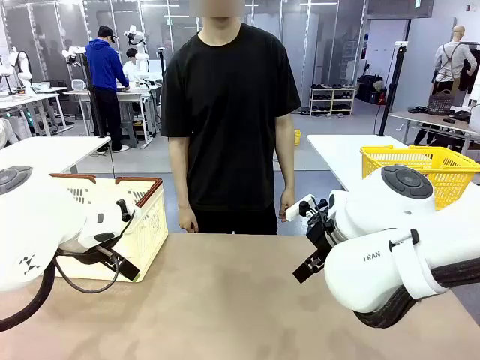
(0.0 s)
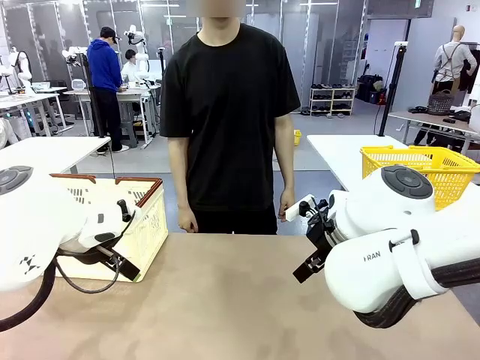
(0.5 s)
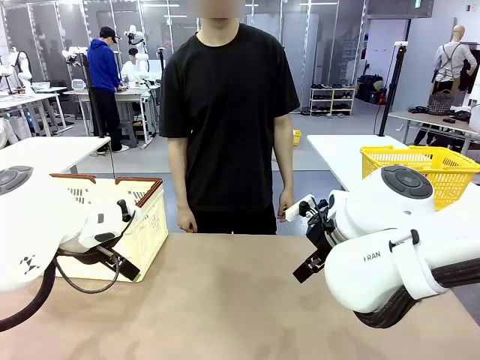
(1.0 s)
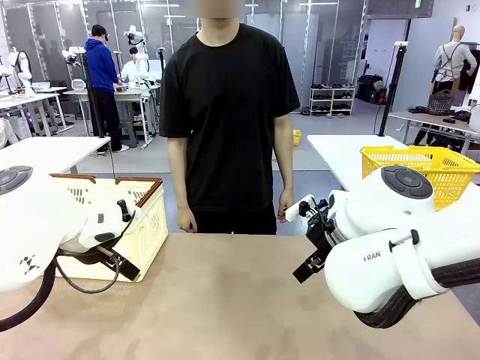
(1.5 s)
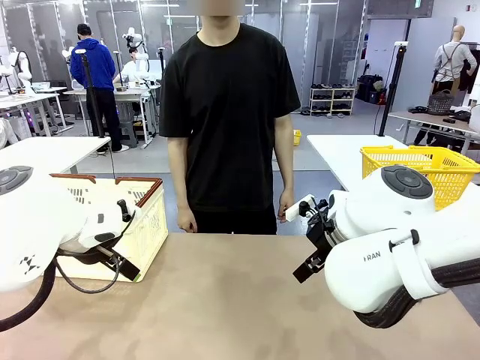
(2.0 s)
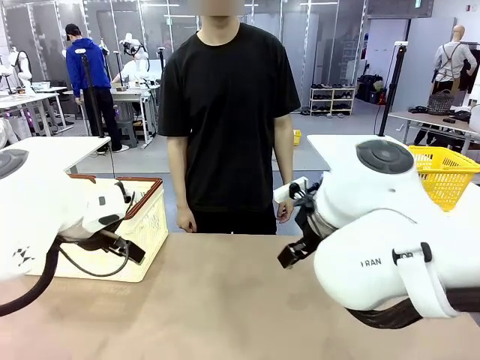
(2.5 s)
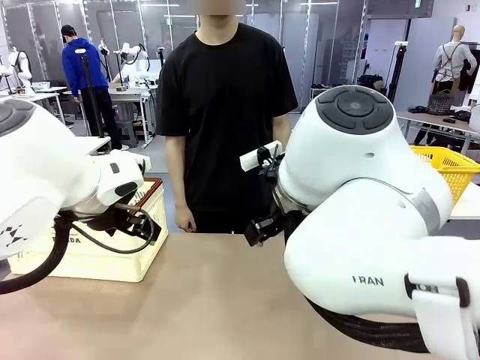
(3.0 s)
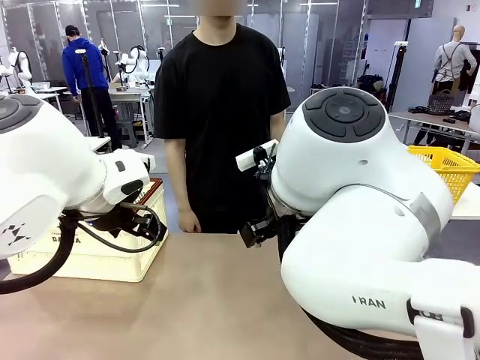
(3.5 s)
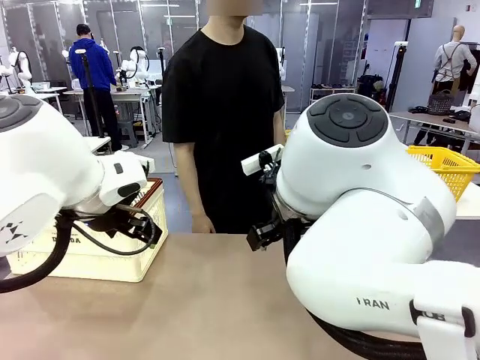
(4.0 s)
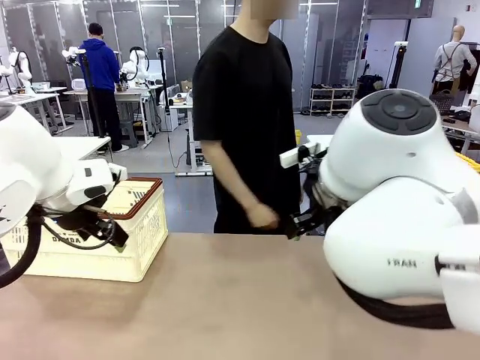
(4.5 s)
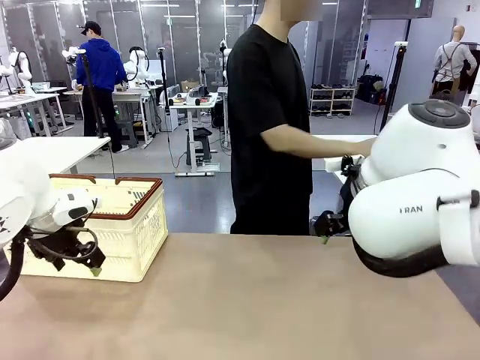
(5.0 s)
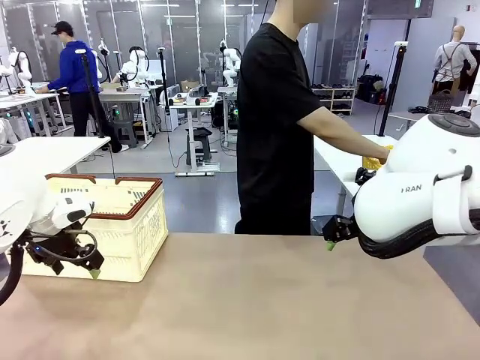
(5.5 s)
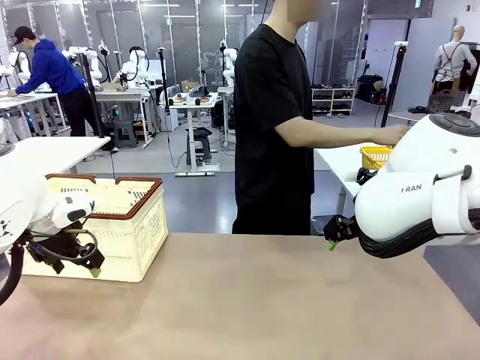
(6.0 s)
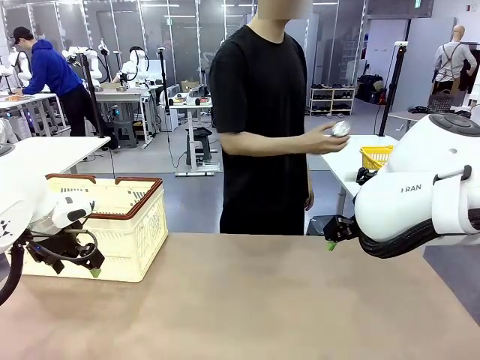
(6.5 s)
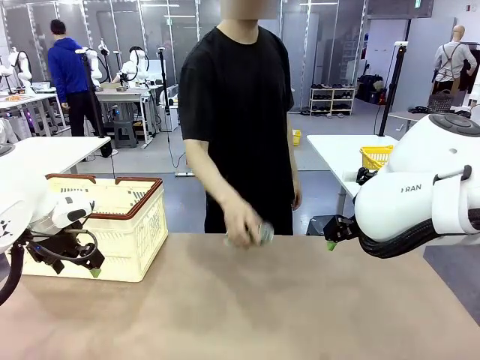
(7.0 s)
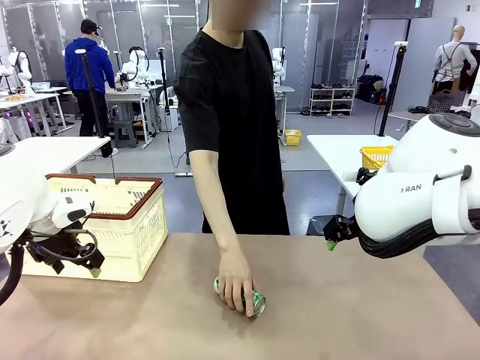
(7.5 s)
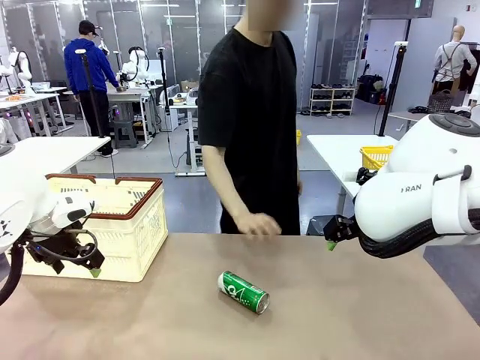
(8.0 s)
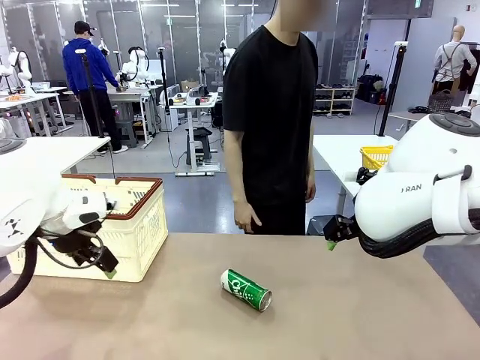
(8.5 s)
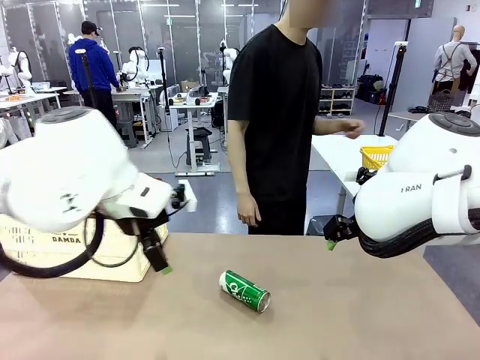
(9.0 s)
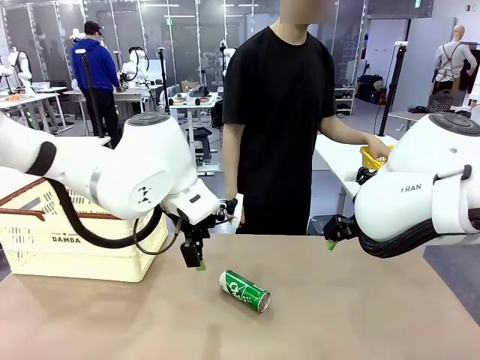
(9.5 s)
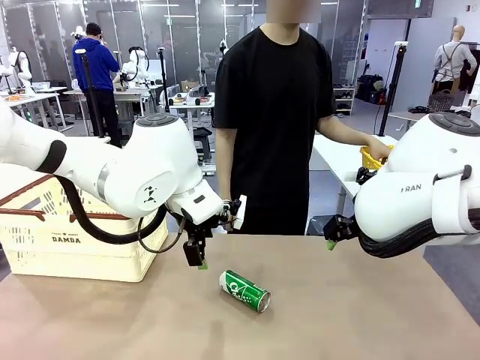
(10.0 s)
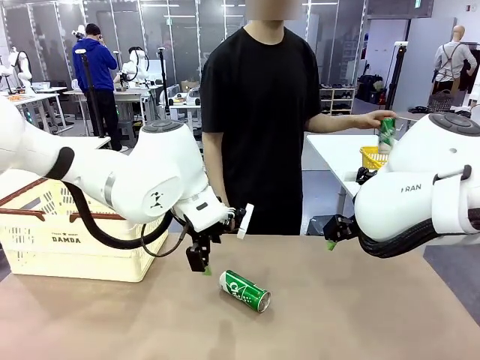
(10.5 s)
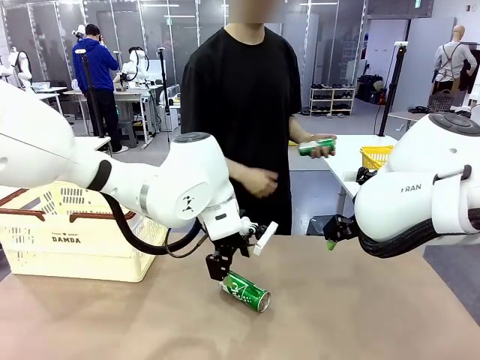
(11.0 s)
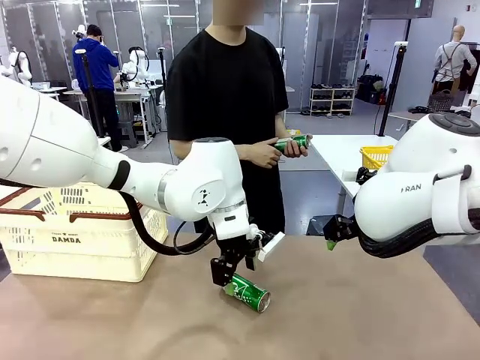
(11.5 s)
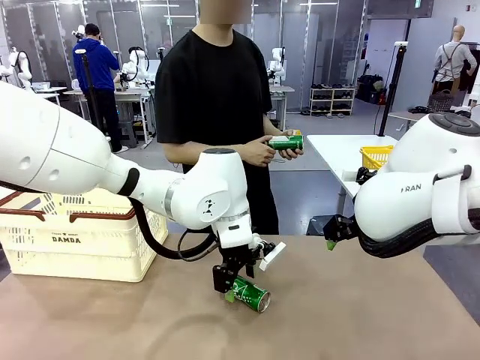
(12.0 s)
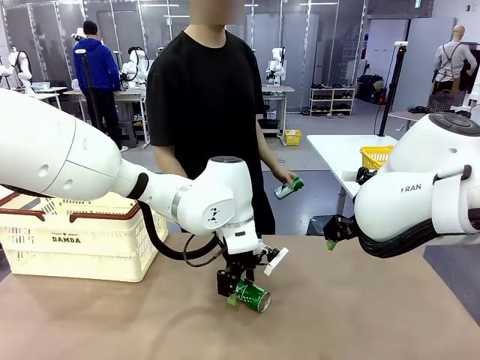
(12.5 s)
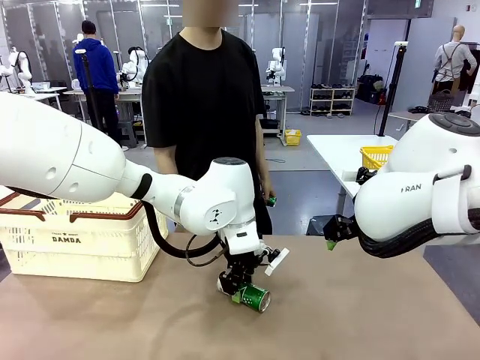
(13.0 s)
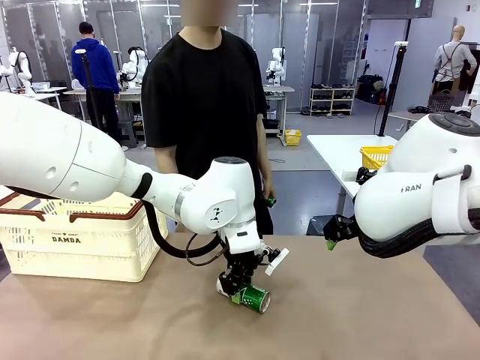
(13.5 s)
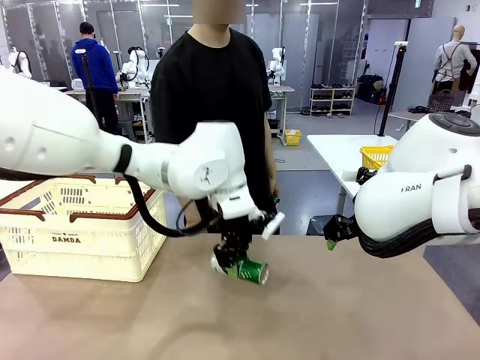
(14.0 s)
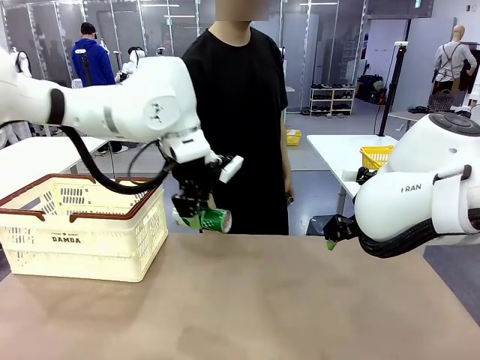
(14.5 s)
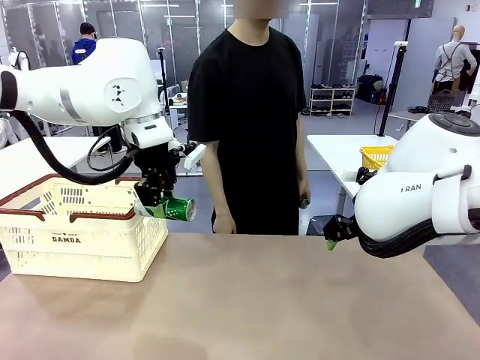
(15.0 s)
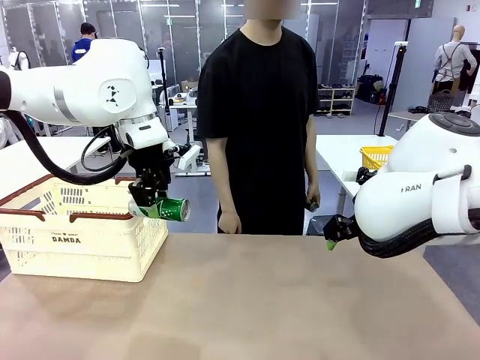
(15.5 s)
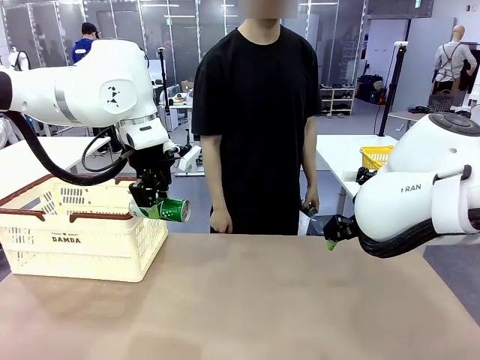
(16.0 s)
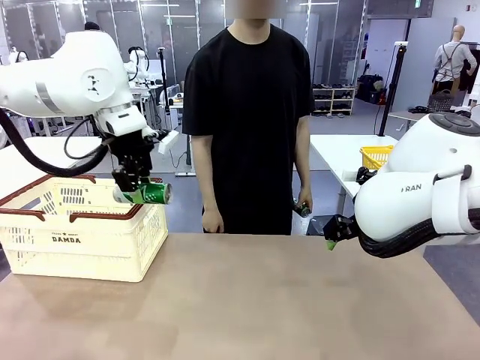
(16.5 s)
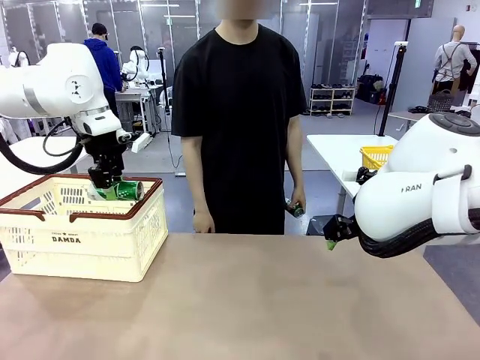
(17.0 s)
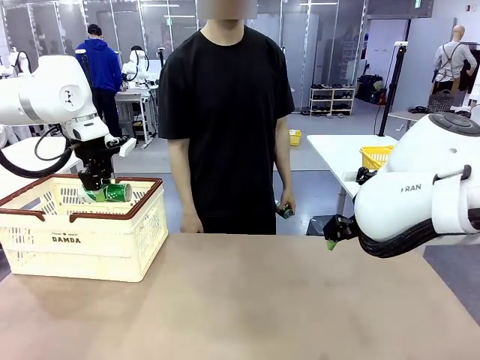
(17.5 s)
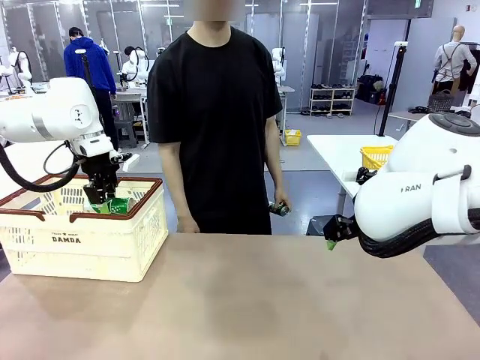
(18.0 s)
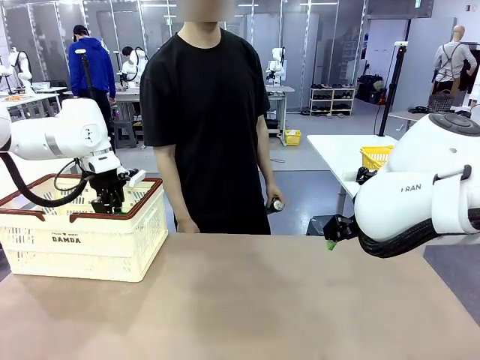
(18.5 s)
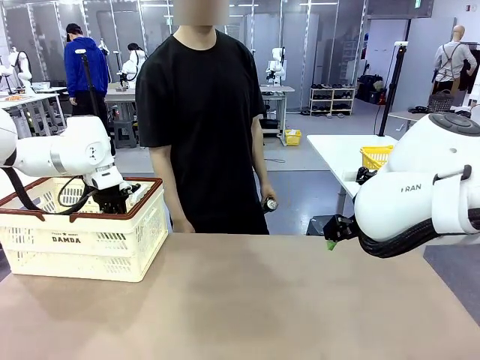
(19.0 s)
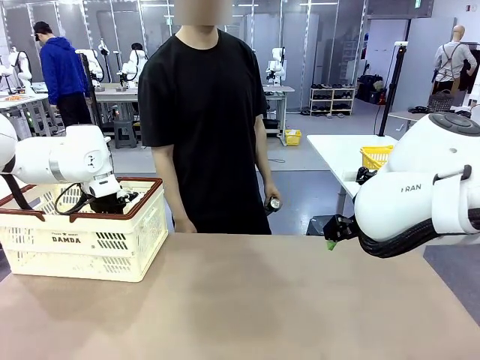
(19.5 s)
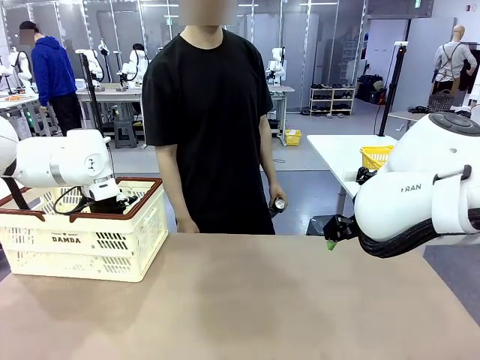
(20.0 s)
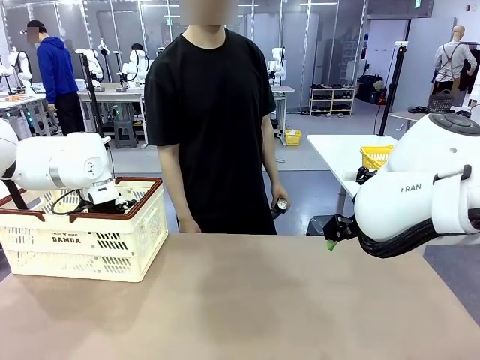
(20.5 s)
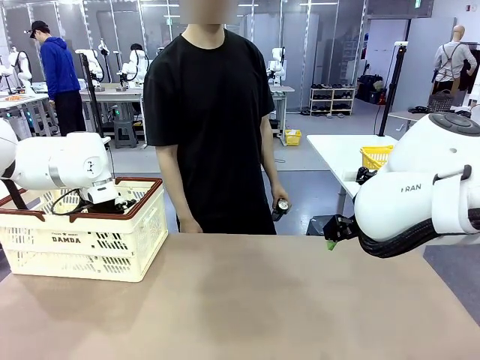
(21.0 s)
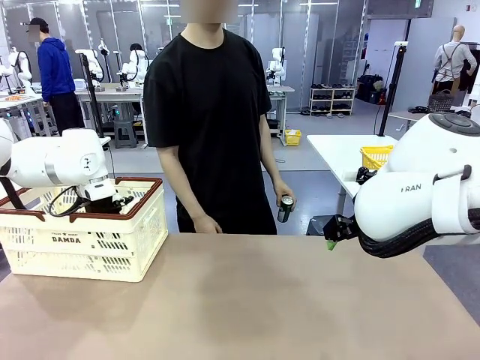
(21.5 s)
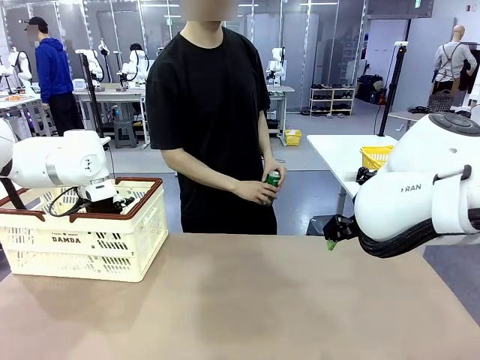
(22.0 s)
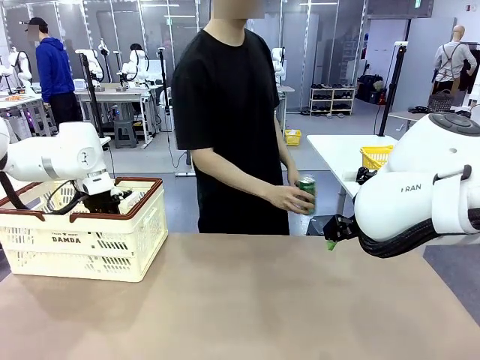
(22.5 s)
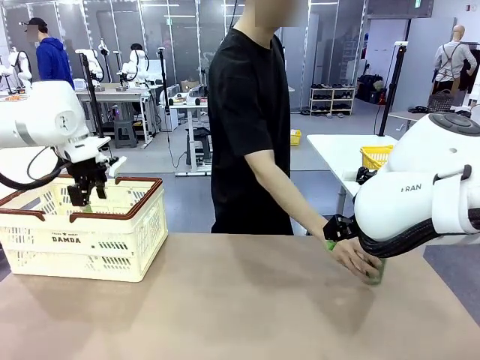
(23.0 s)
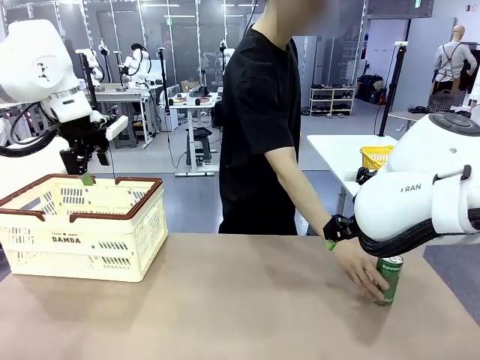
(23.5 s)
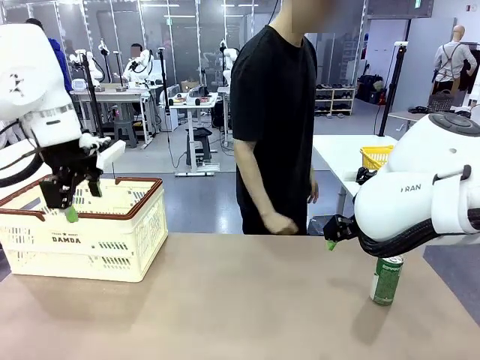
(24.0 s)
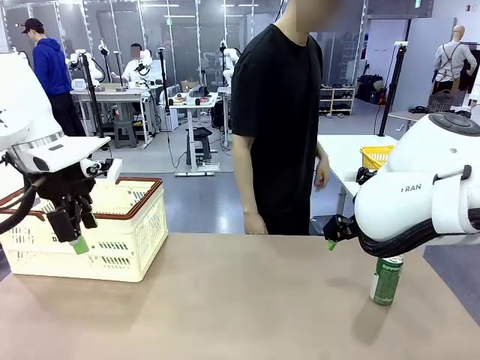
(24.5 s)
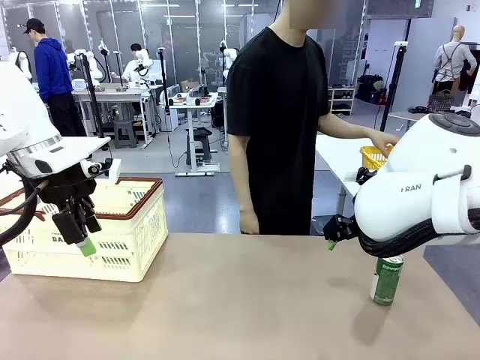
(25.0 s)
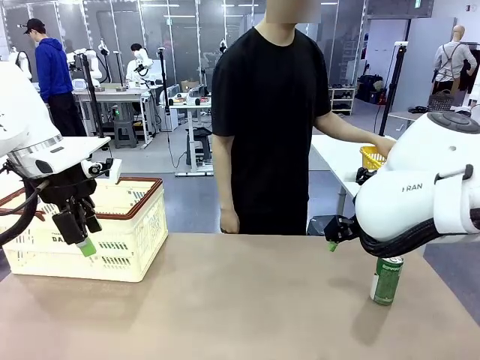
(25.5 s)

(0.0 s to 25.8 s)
Task: Place the drinks into the Shopping basket.
Robot: Pick up one drink and place it into the Shopping basket.
